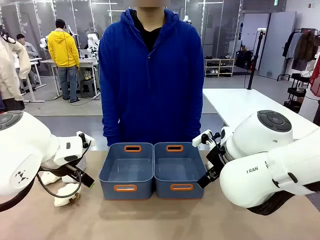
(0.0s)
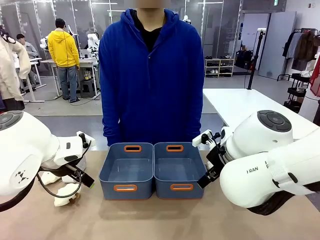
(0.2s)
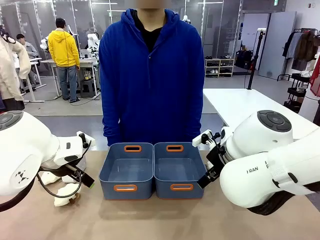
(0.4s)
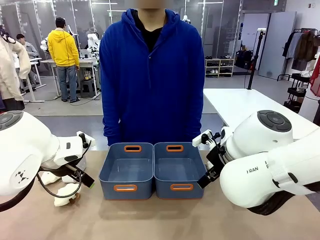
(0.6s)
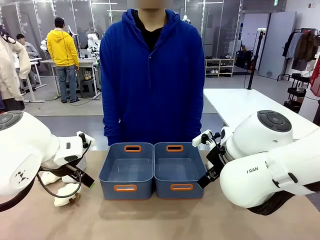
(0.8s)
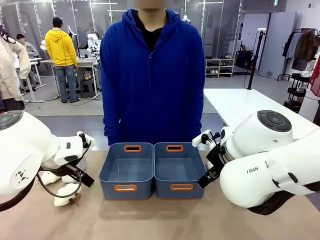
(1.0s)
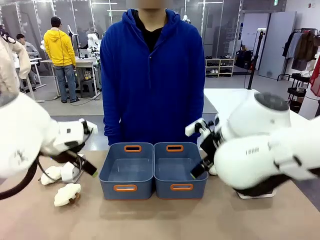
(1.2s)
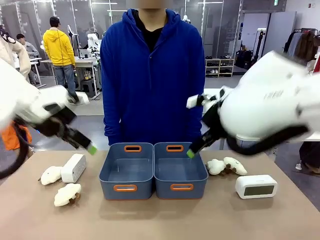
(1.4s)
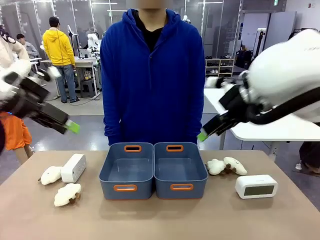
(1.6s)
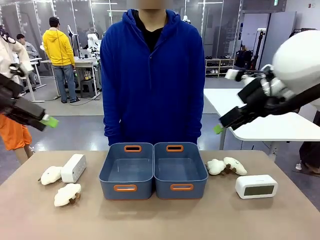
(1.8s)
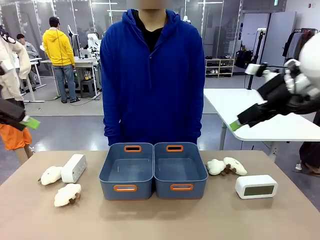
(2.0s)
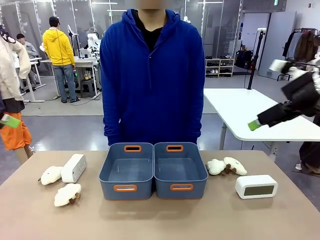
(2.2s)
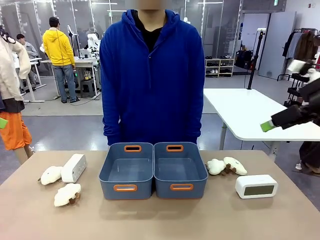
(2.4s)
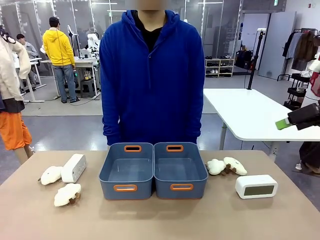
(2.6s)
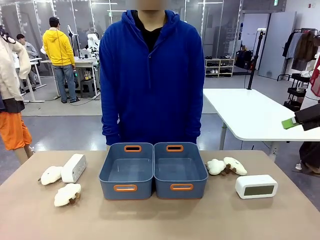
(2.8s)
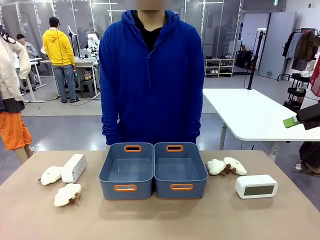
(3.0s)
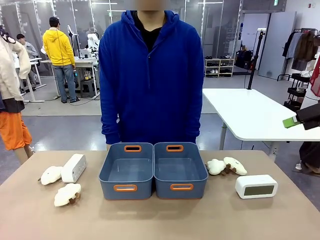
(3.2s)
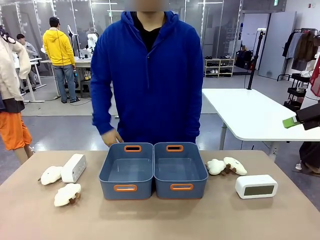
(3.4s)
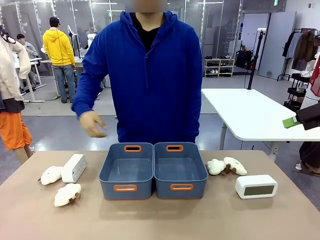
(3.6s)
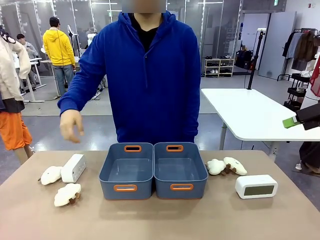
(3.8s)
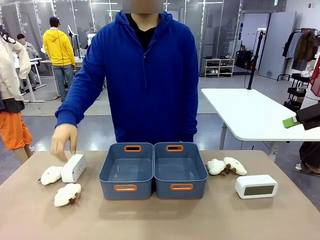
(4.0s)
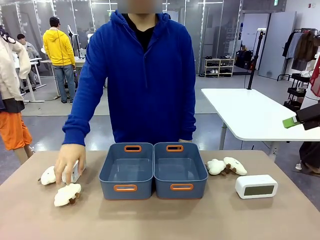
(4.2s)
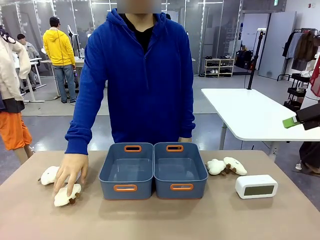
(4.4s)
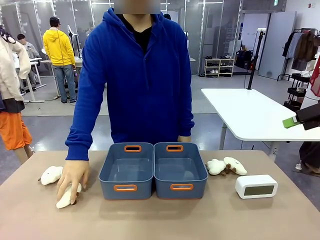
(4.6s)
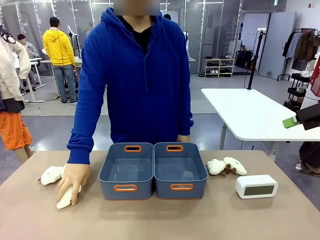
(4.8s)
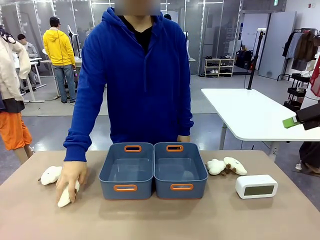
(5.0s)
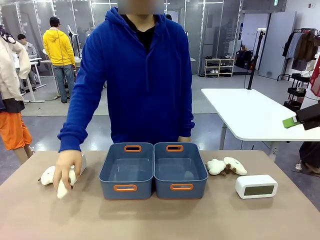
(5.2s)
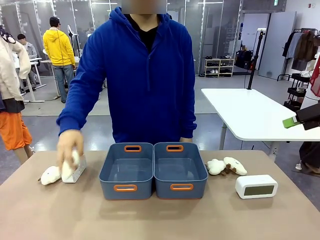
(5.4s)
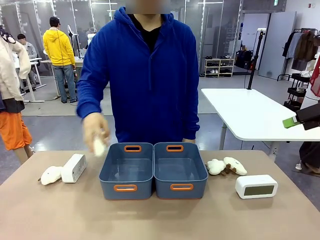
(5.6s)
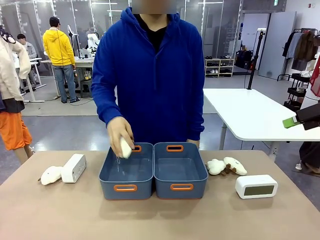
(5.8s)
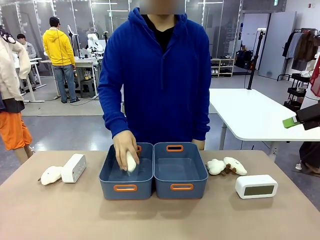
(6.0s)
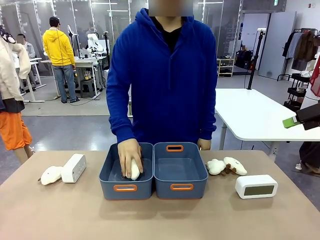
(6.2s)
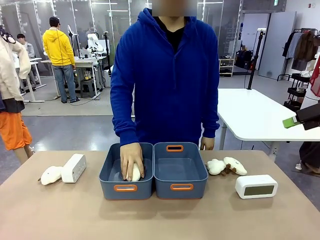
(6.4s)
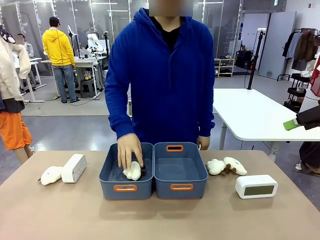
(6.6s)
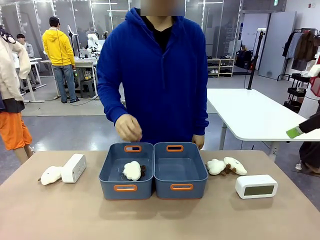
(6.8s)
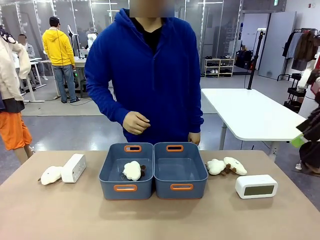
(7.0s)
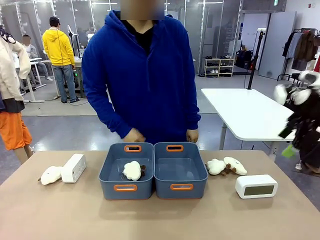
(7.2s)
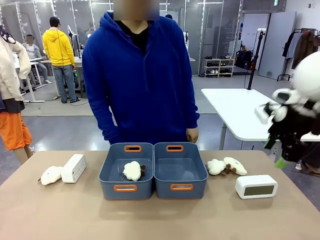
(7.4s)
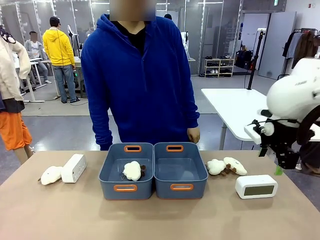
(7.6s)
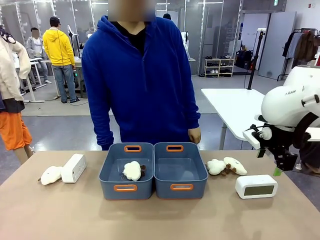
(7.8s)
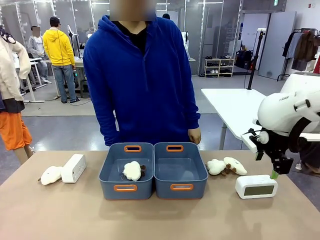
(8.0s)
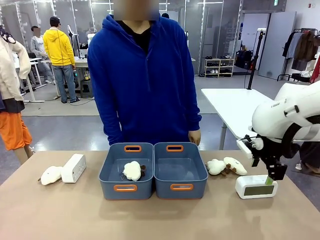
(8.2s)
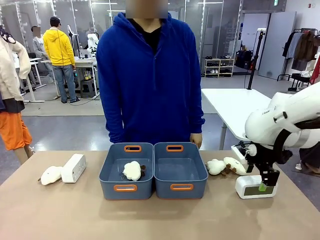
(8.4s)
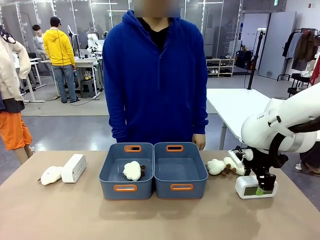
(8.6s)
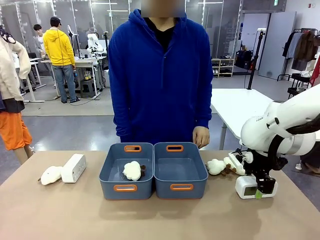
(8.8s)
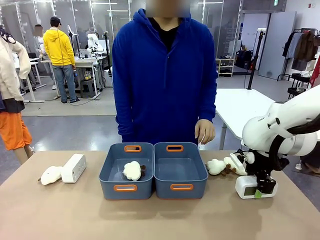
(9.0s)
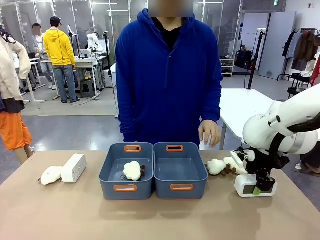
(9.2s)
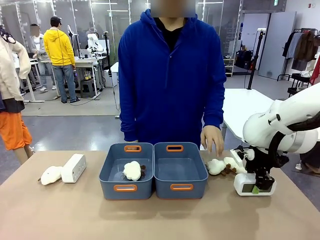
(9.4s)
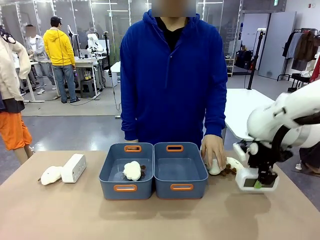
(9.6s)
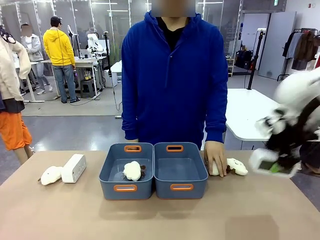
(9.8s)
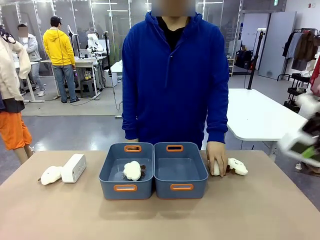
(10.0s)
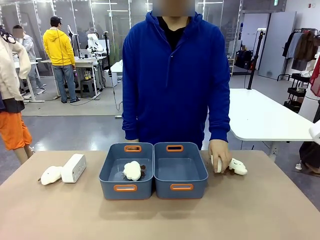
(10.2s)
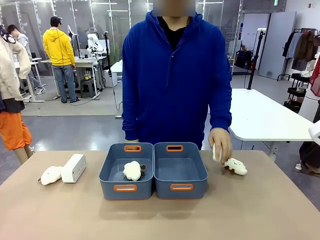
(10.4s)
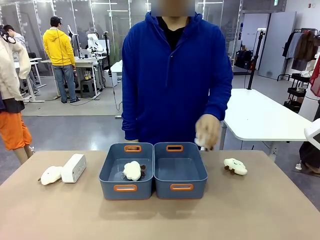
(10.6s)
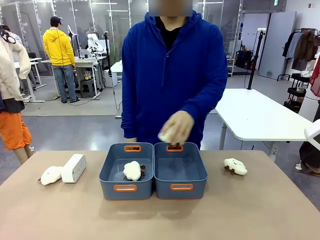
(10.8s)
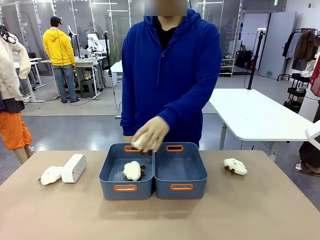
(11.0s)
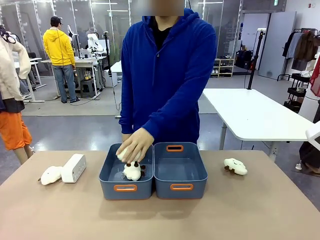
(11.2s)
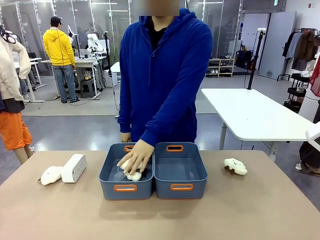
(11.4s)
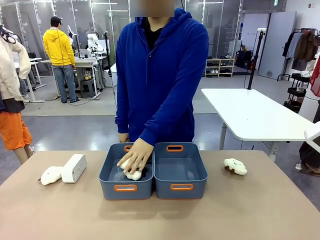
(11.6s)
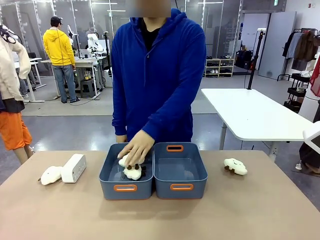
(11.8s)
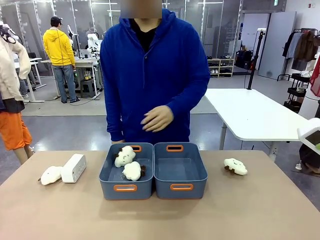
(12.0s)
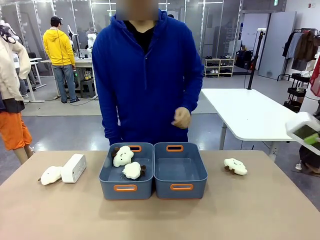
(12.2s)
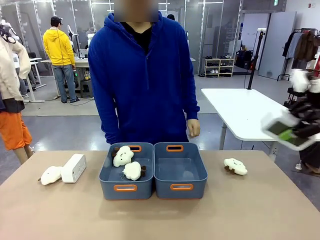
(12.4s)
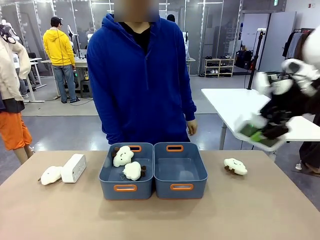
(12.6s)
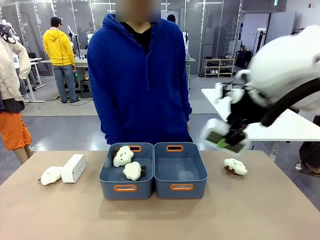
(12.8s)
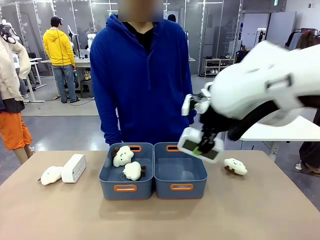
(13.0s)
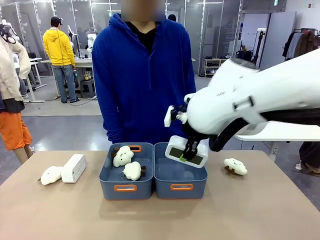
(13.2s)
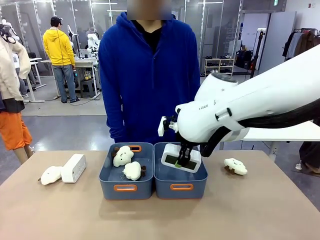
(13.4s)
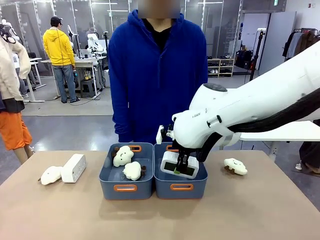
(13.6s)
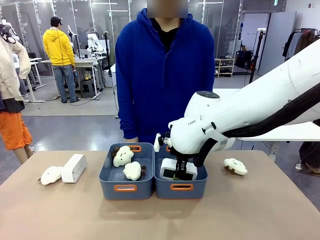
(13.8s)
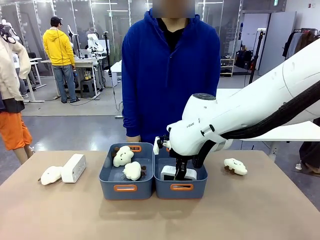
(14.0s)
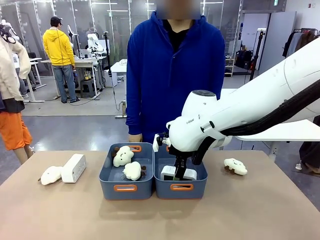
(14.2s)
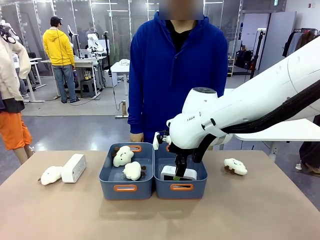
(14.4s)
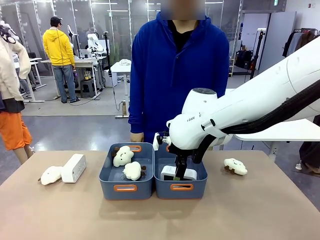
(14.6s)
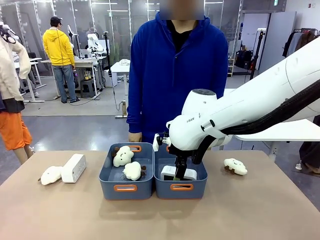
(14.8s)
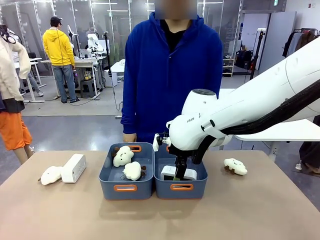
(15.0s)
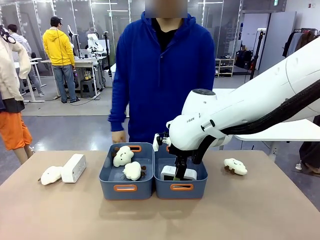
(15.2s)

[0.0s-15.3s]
Task: Sort the digital clocks into the basket.
Robot: Pick up the Digital clock from the table and place it into the empty Plastic storage basket.
Person: Pick up a plush toy from the table and place it in a plastic storage basket.
